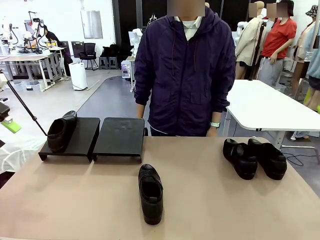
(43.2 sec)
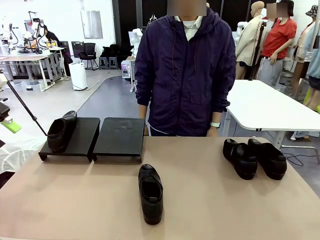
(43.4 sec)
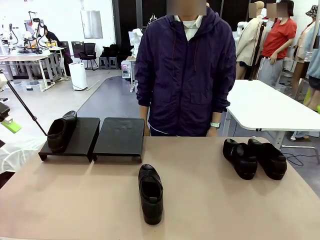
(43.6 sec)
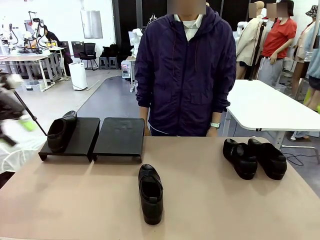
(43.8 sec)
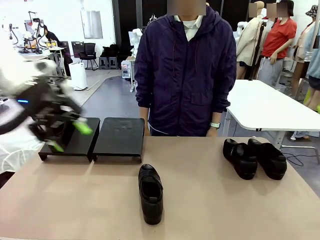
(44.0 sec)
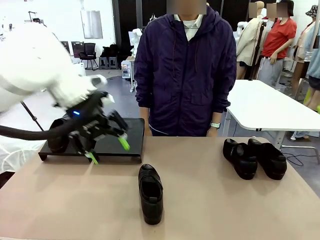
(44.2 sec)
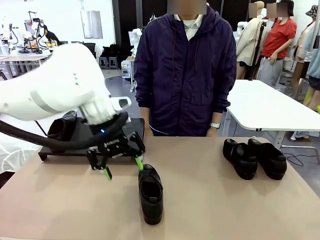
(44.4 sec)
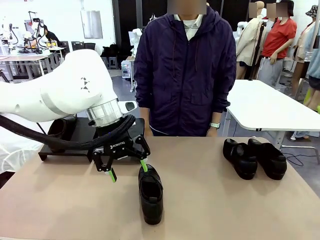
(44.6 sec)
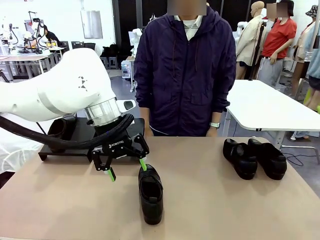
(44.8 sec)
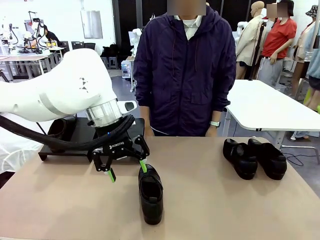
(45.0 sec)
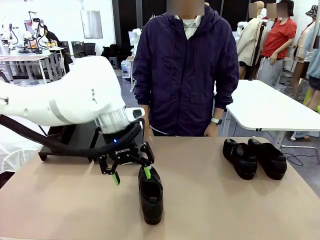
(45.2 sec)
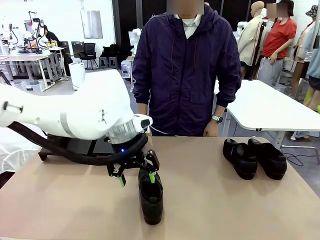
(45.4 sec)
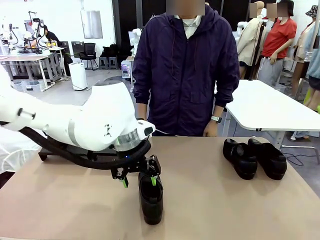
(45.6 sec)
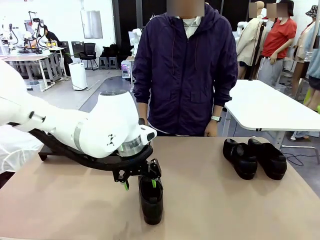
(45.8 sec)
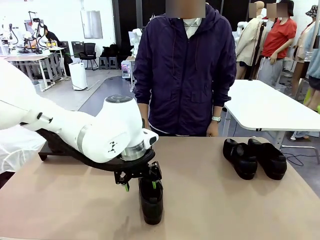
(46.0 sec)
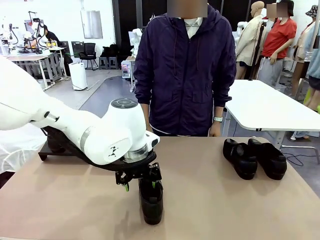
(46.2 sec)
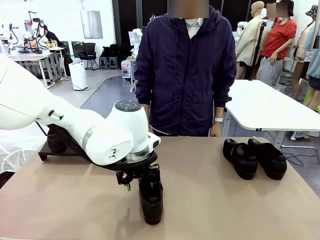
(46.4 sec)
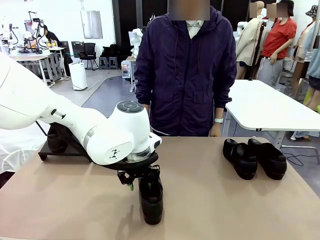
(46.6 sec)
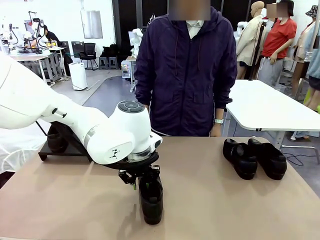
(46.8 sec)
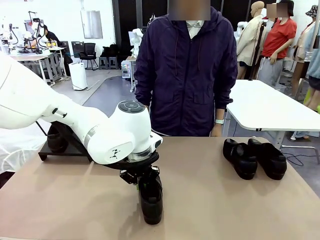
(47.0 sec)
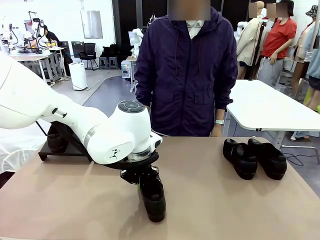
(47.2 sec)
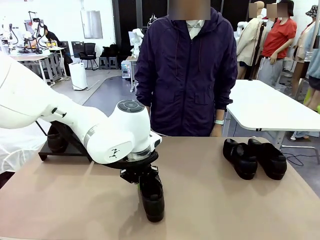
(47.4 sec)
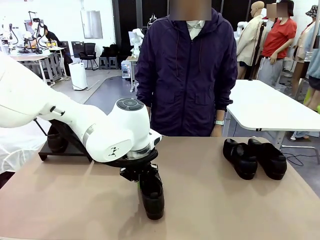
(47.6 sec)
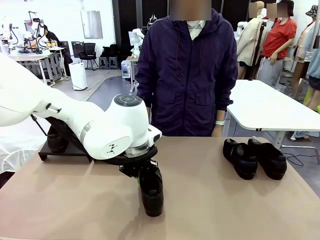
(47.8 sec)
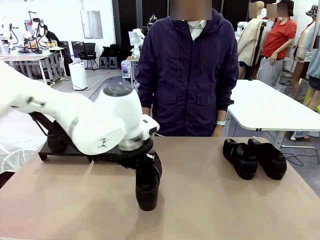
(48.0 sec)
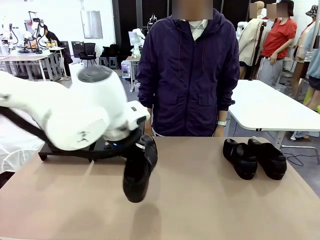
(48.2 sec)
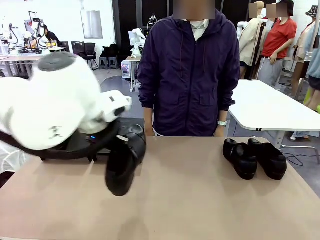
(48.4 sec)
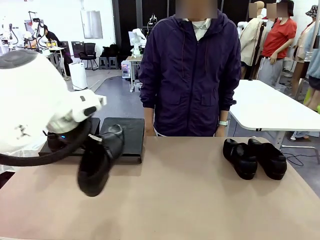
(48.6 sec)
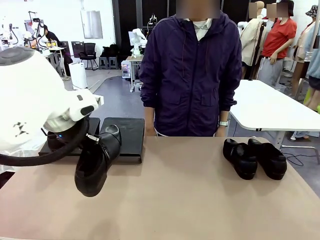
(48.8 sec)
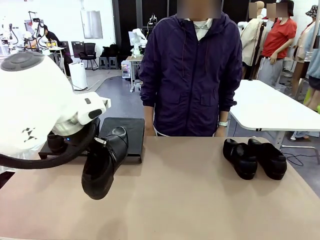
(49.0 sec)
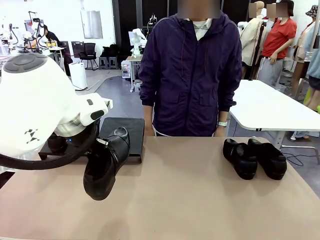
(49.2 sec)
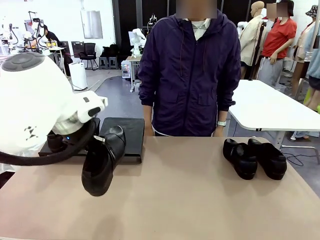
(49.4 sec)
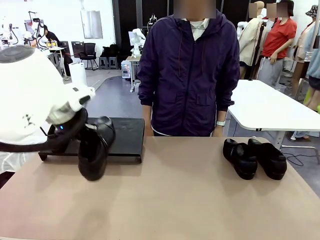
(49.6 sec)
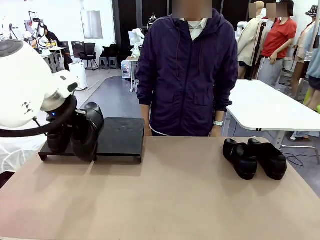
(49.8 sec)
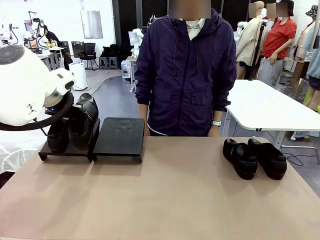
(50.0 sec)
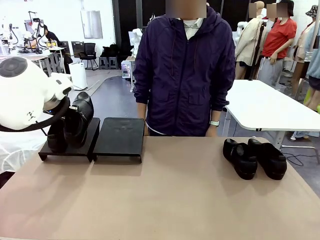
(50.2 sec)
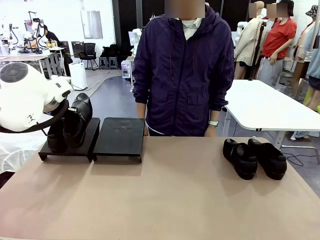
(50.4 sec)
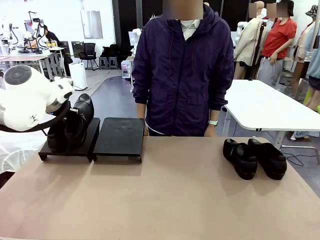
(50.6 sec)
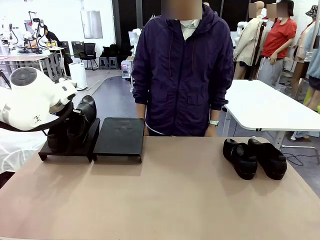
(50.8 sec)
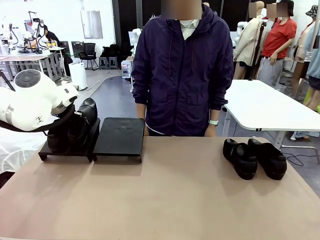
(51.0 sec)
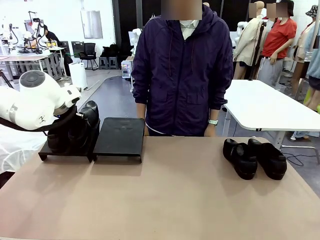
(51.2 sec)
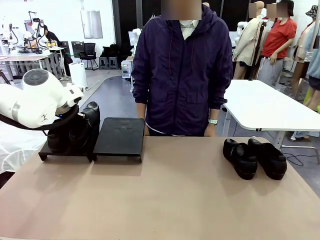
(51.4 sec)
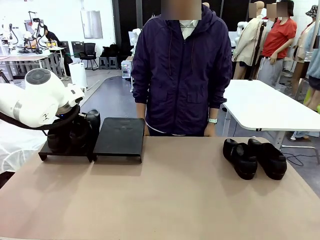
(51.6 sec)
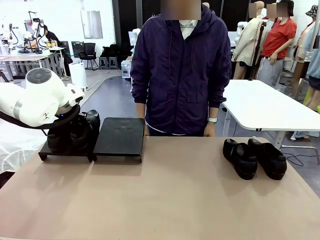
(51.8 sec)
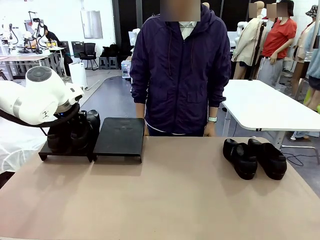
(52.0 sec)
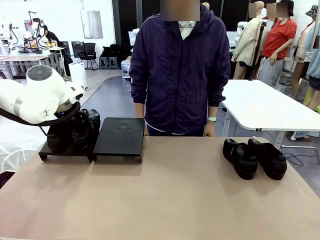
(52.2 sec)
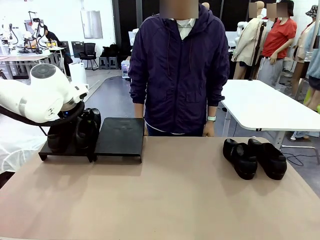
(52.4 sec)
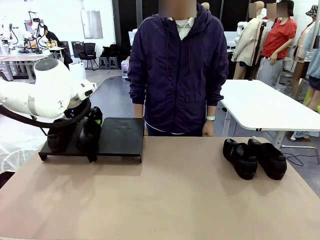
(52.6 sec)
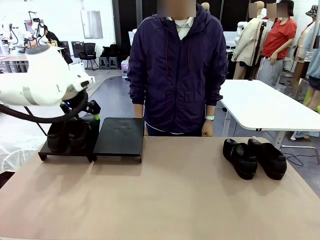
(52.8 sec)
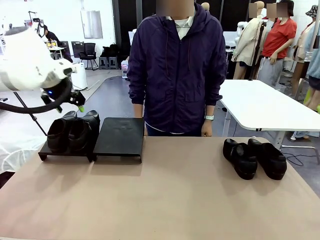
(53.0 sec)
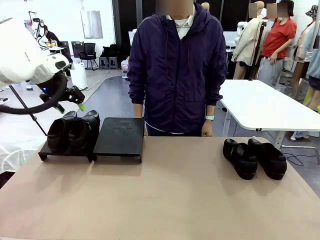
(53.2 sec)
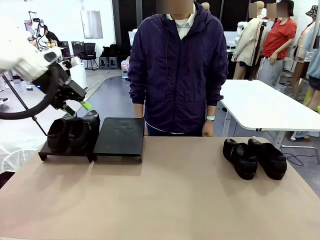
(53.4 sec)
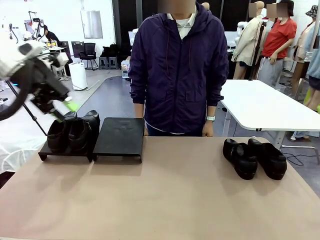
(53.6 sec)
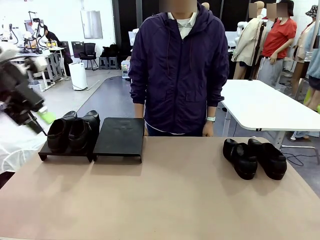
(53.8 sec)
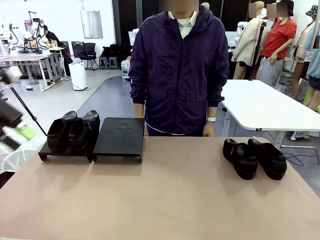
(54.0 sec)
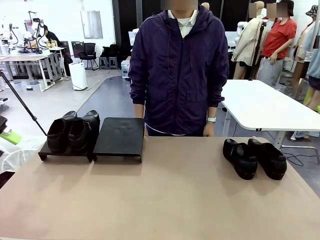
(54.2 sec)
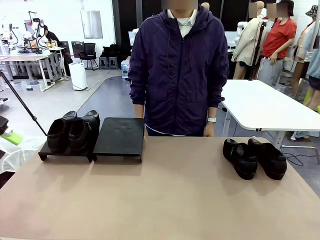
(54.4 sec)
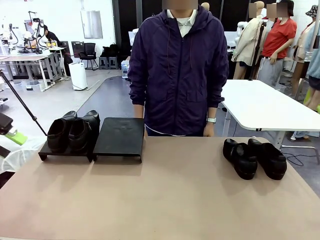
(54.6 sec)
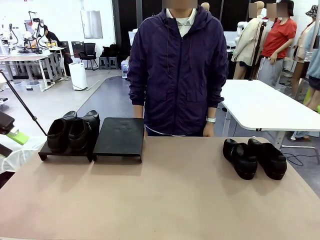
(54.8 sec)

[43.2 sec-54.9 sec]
Task: Organize the shoes by placing them on the stand.
Robot: Place the Shoe from the middle of the table onto the Shoes Stand.

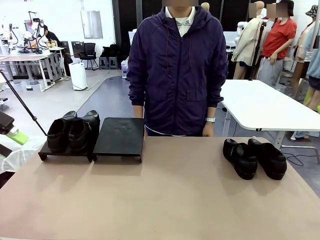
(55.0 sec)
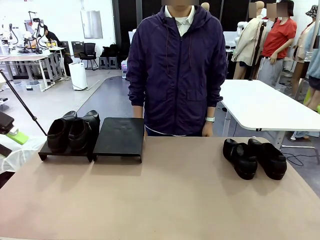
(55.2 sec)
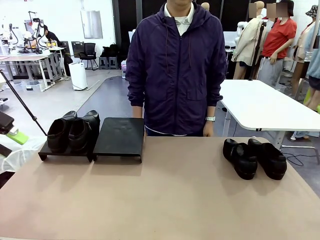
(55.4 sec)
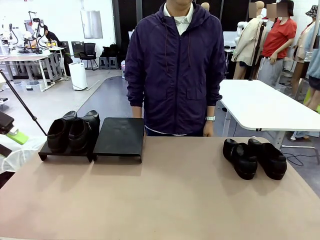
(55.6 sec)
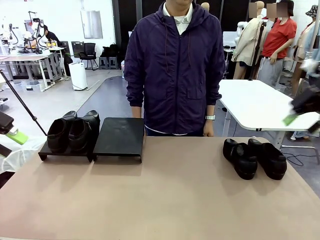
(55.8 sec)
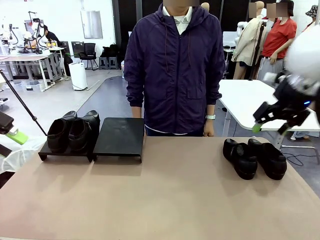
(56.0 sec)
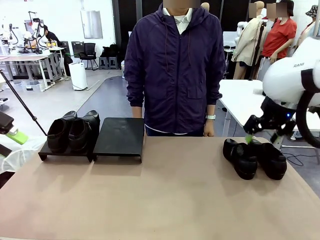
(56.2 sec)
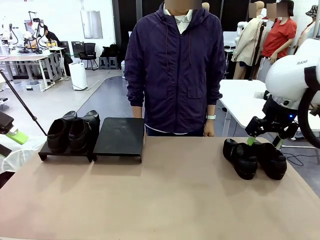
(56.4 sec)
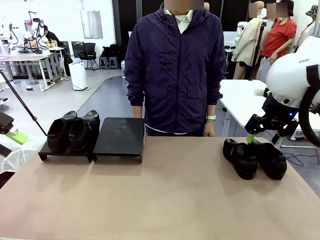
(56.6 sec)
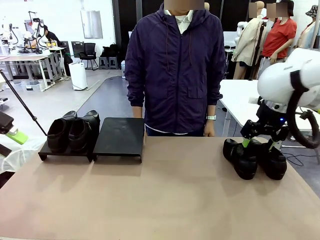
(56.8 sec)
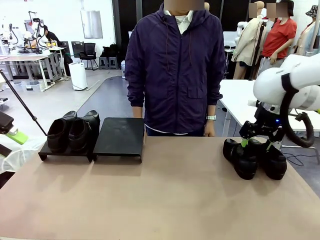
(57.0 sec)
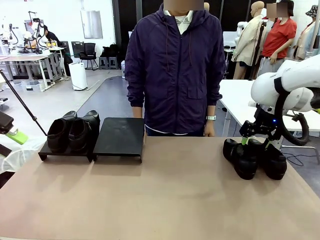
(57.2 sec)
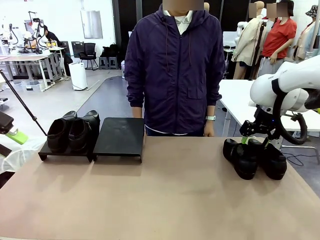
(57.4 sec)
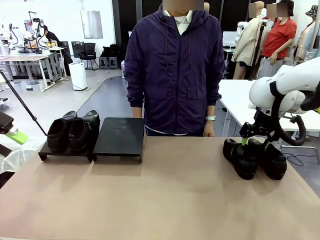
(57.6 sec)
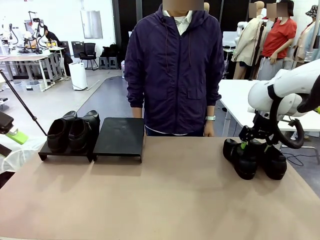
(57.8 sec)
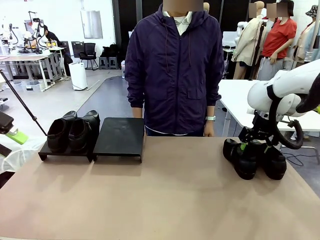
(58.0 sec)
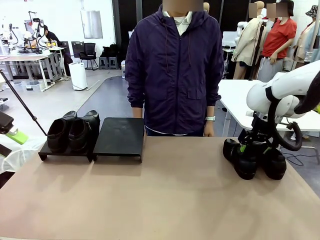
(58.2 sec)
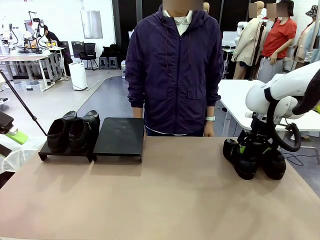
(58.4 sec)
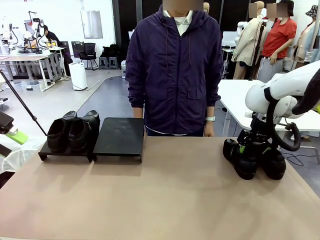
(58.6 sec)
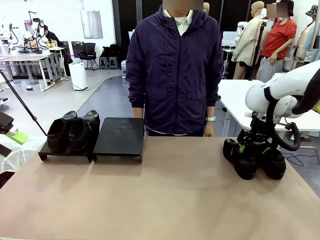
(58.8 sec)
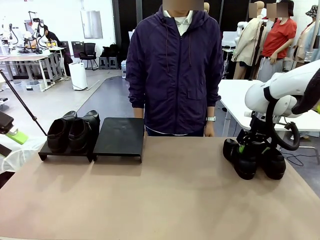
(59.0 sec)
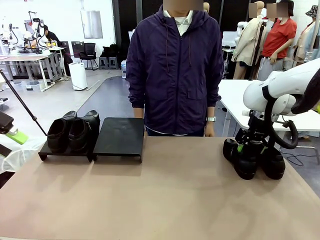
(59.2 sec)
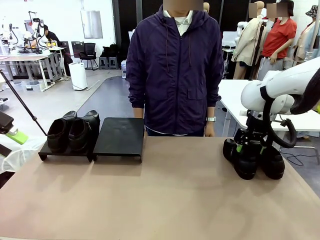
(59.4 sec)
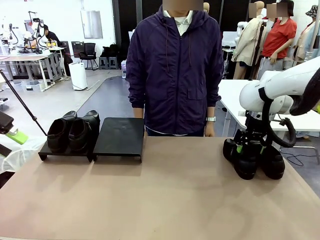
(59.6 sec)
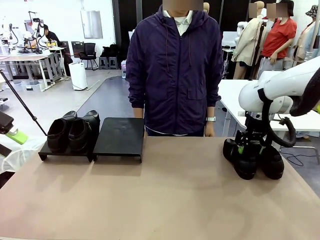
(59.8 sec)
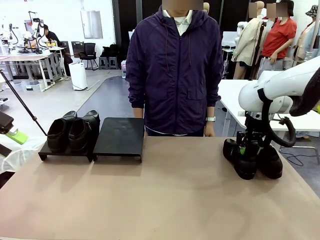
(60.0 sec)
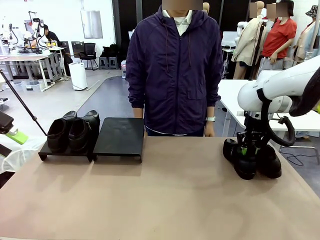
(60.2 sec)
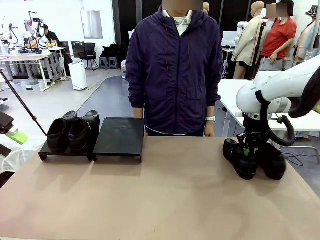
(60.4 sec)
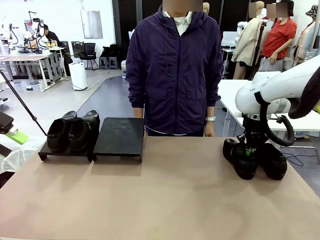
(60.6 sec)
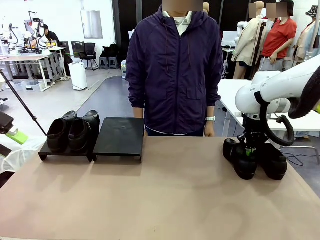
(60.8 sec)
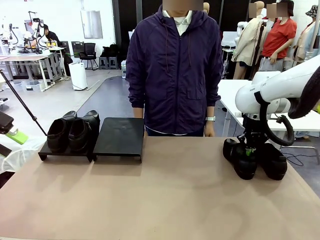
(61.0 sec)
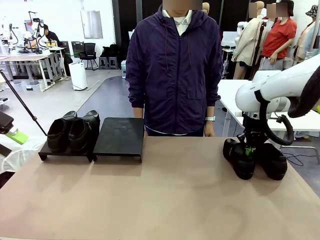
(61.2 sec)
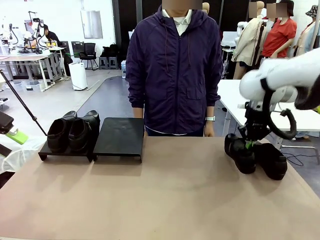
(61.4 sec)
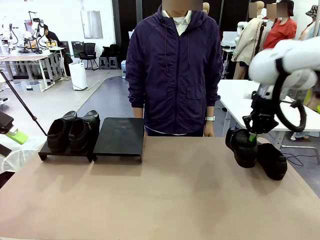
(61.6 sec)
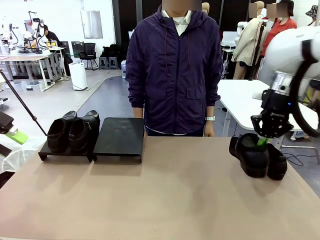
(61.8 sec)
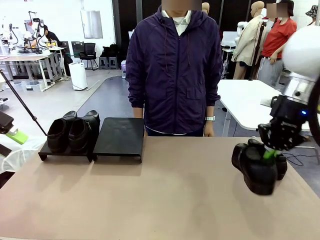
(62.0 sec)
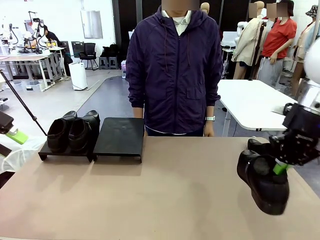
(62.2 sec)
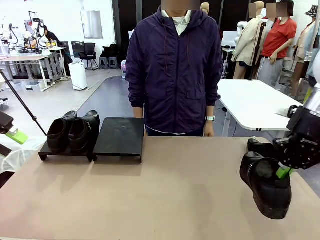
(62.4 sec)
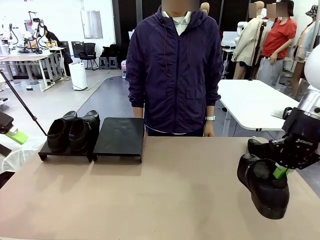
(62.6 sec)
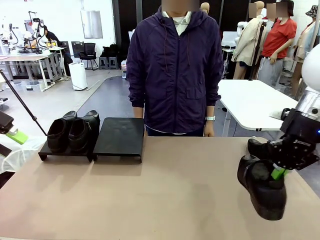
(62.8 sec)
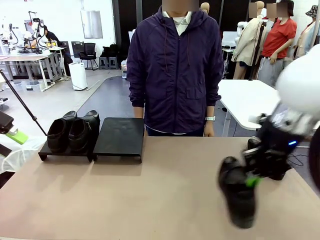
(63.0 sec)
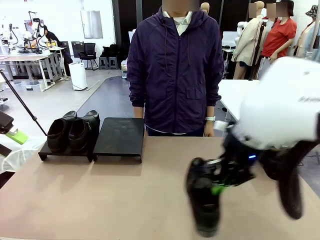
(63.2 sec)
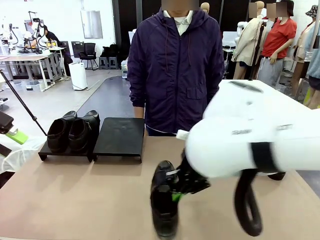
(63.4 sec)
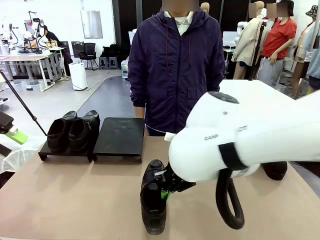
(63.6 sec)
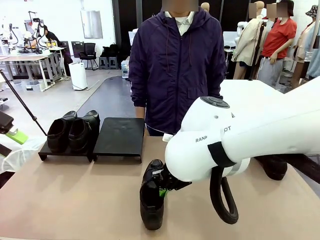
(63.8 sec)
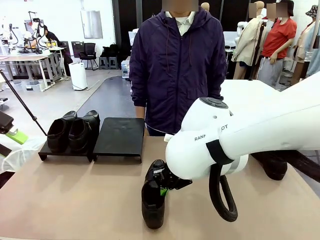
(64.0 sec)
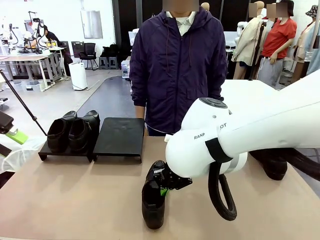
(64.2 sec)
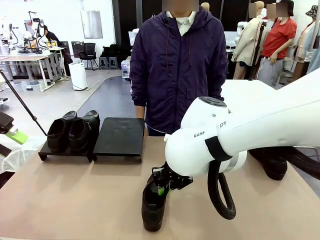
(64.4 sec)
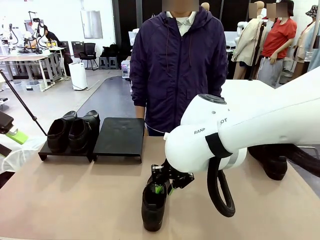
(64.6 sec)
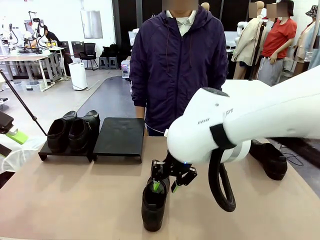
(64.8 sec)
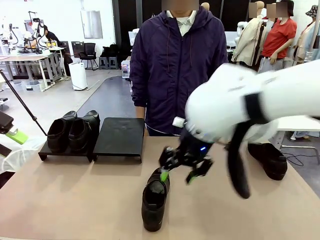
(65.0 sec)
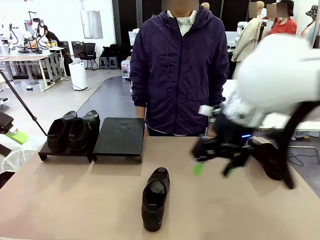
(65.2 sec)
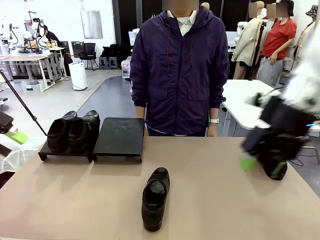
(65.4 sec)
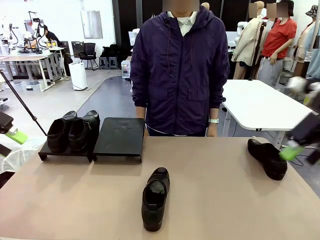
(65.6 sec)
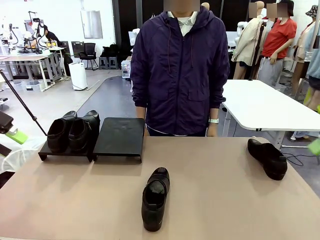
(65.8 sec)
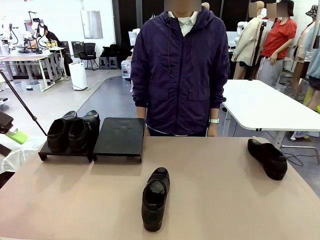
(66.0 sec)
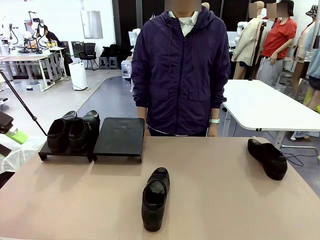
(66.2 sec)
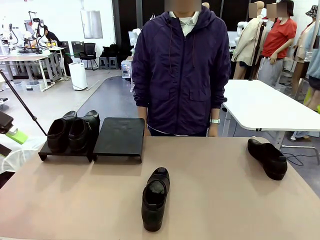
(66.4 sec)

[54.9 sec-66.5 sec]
Robot: Pick up one Shoe and place it in the middle of the table.
